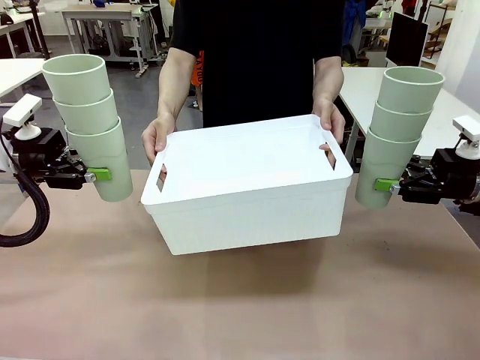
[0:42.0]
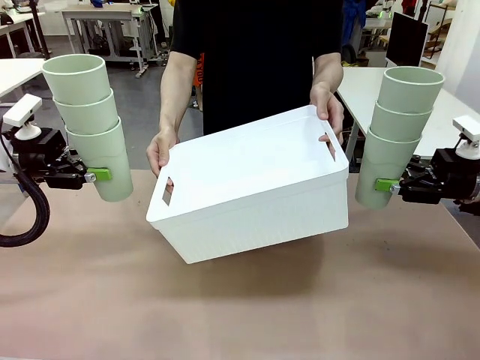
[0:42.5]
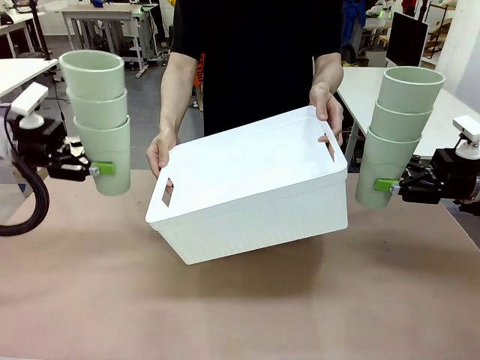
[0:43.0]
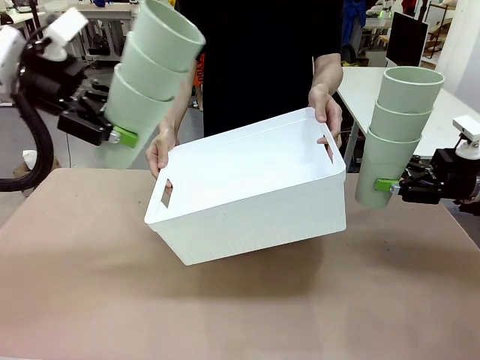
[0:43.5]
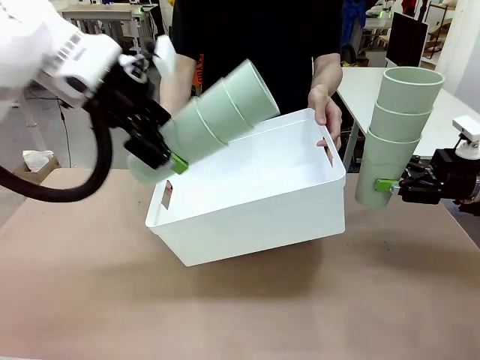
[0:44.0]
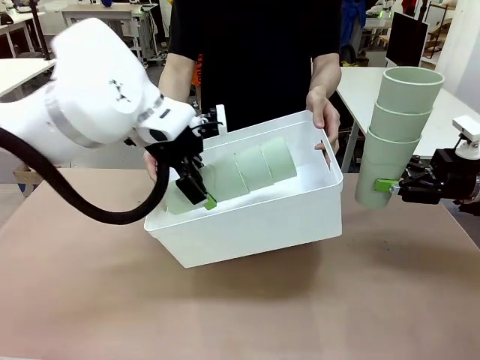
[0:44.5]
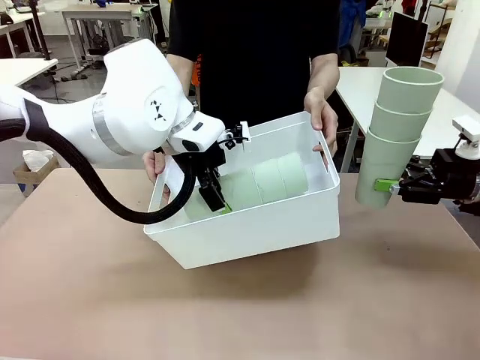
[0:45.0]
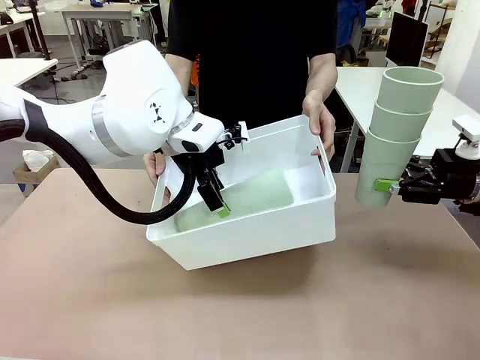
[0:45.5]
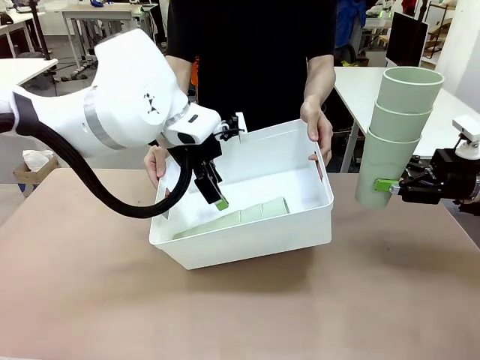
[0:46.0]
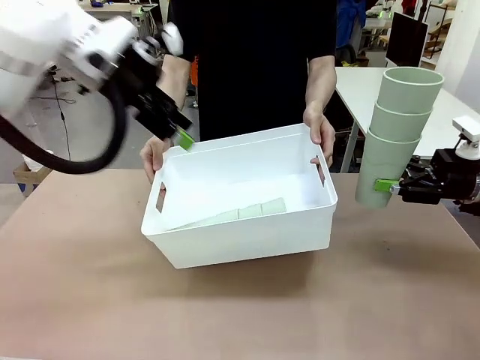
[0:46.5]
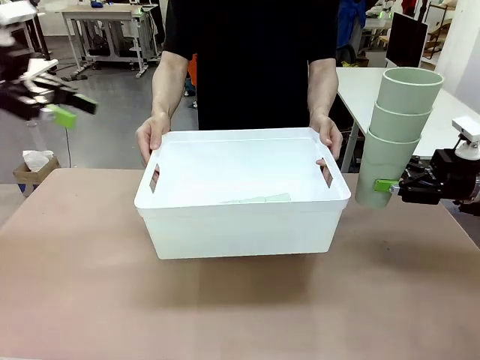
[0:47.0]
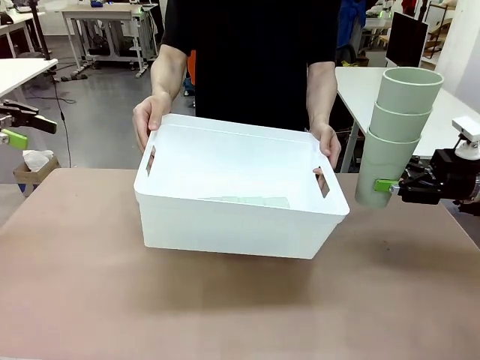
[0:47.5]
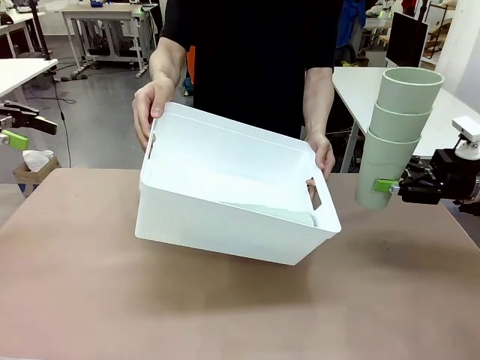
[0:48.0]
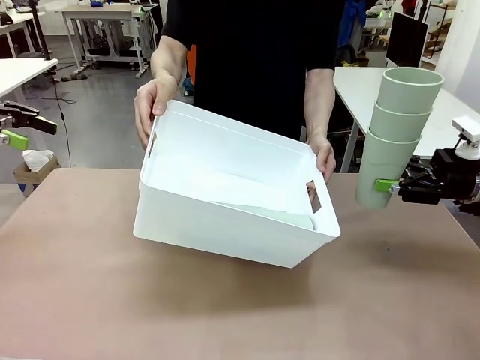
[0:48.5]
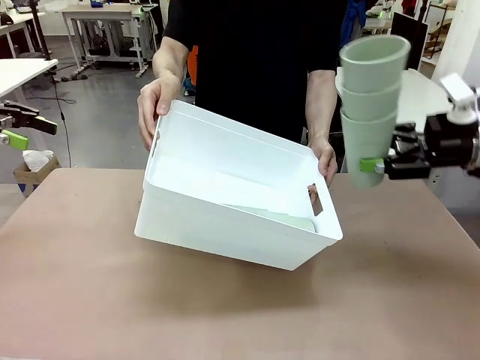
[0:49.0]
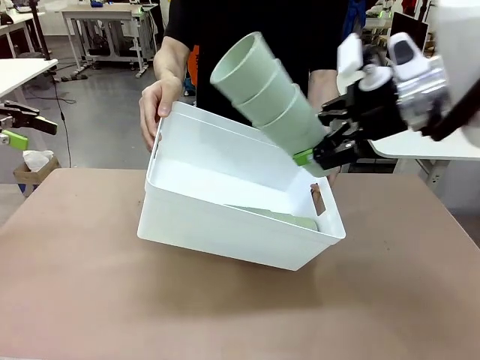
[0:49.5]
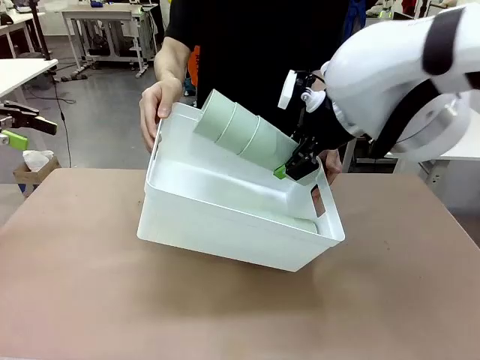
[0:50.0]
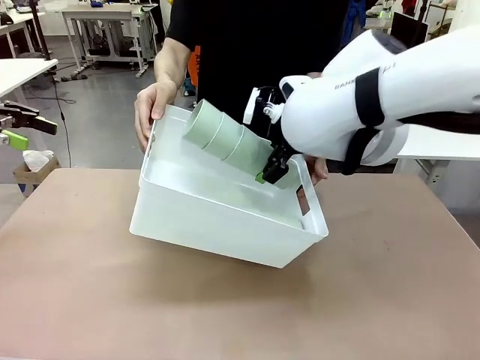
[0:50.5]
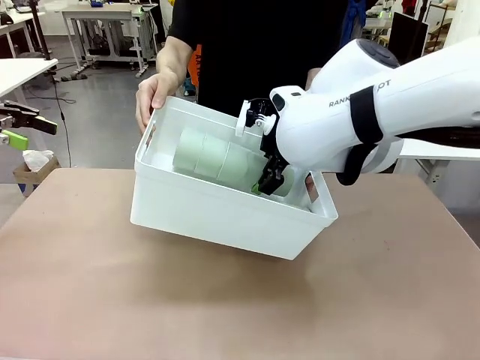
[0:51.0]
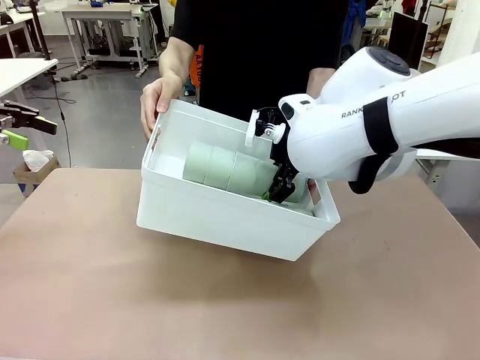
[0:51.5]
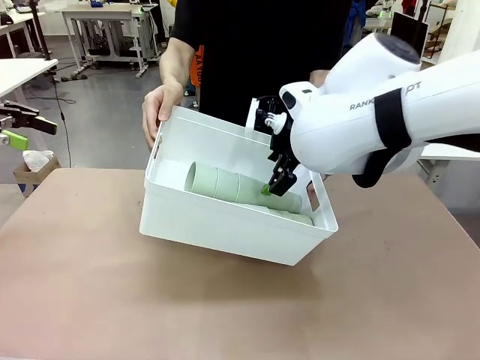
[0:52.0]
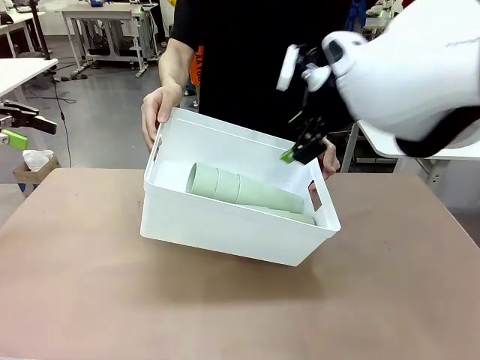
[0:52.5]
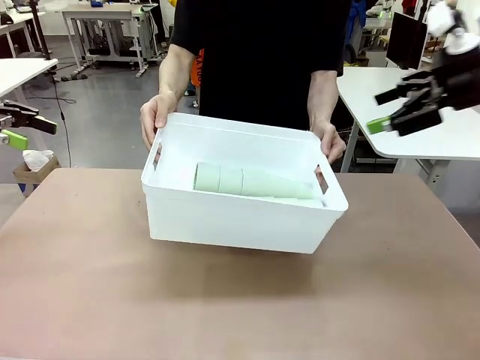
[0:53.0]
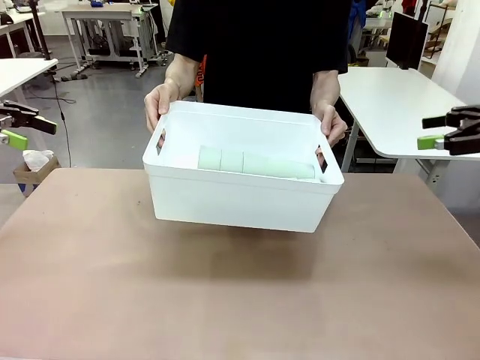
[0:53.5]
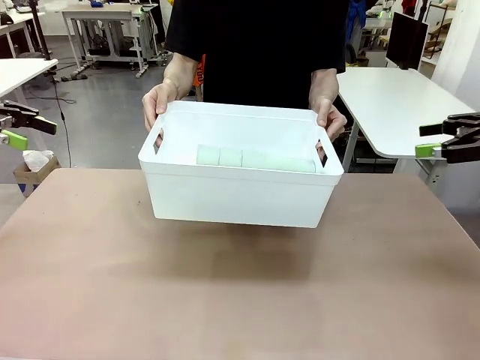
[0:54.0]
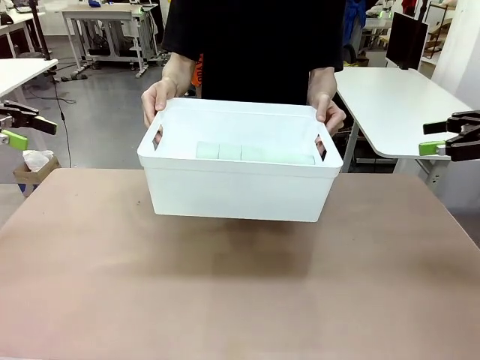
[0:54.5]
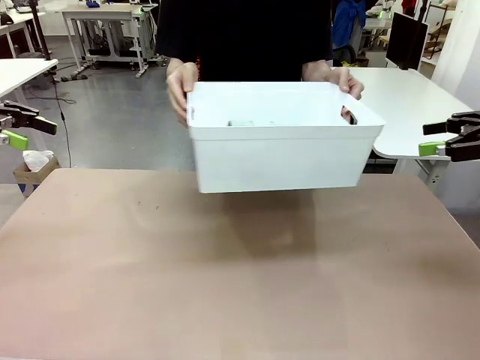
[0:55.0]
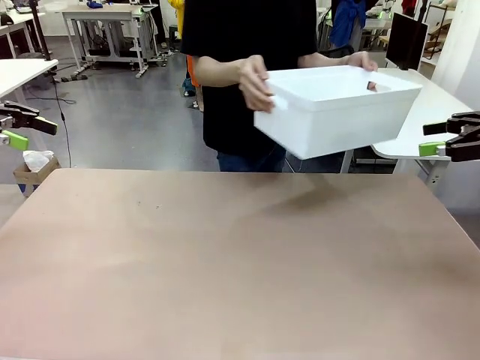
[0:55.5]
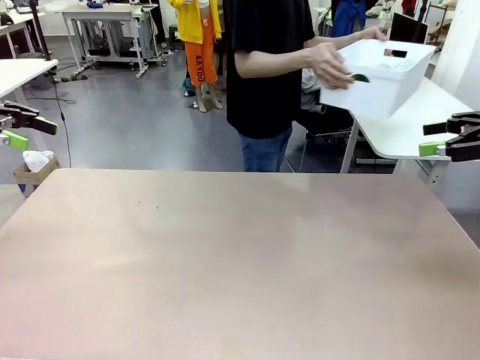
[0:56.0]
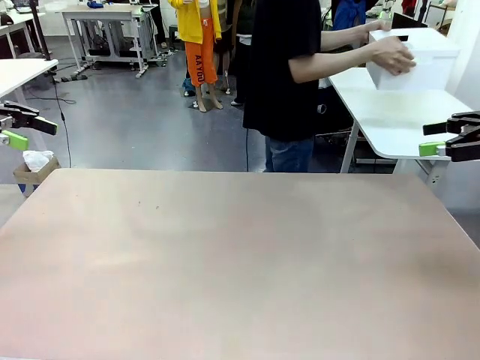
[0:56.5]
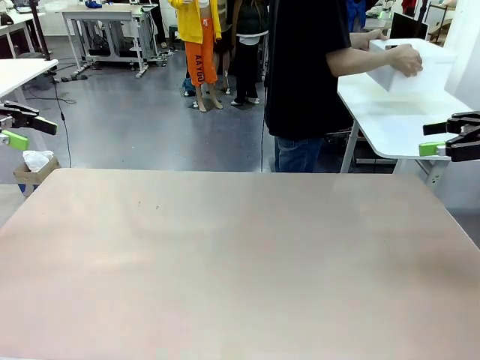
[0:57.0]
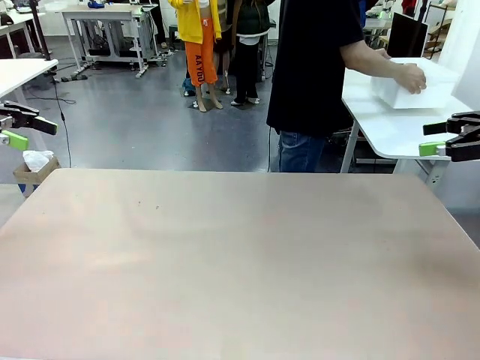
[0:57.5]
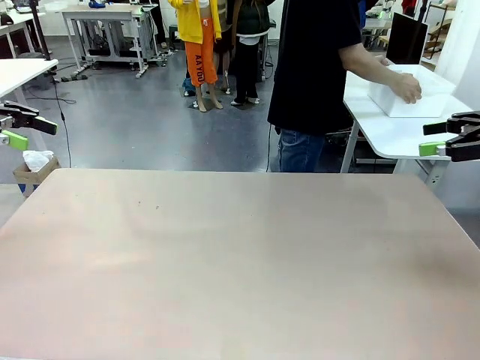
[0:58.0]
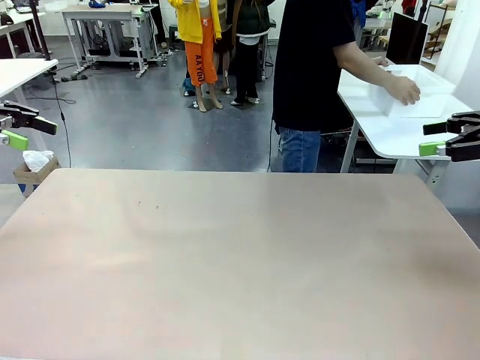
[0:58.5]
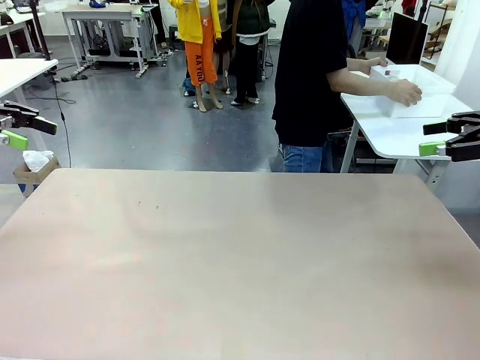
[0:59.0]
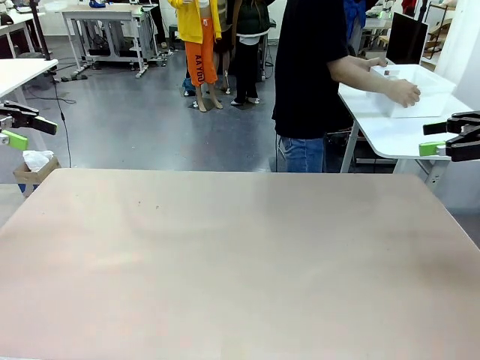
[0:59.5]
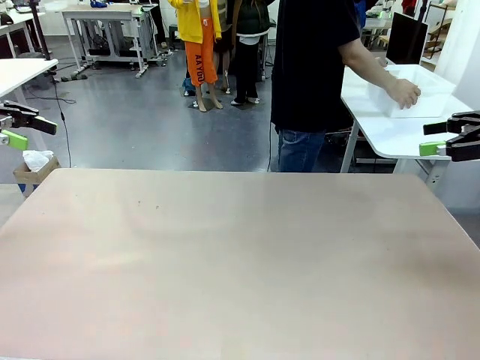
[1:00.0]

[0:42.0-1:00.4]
Task: Stack the cups and store them in the basket.
Robot: Place the stack of Reusable plastic cups into the Pantry Basket.
Person: Place the basket containing the cups in the middle of the Human Table.

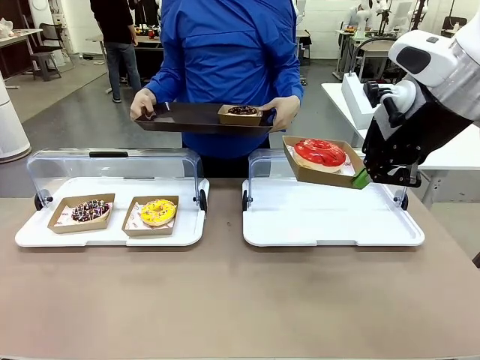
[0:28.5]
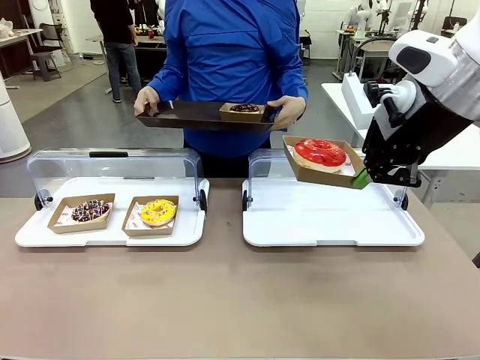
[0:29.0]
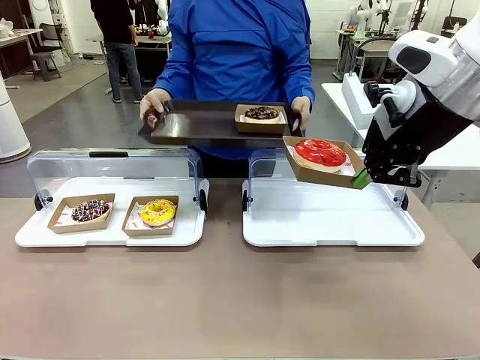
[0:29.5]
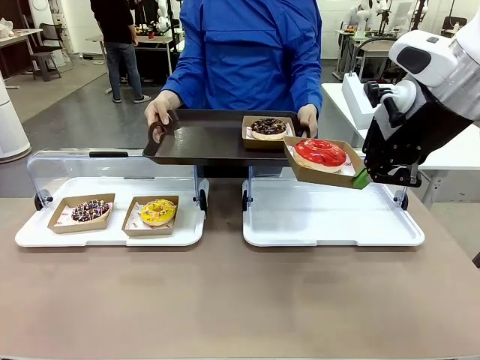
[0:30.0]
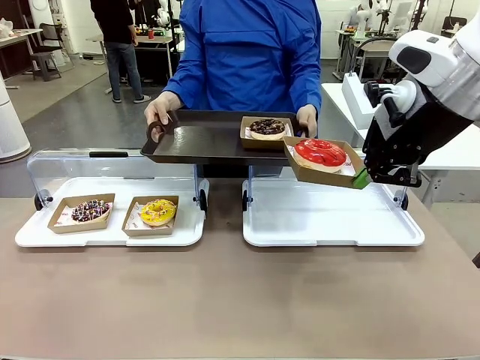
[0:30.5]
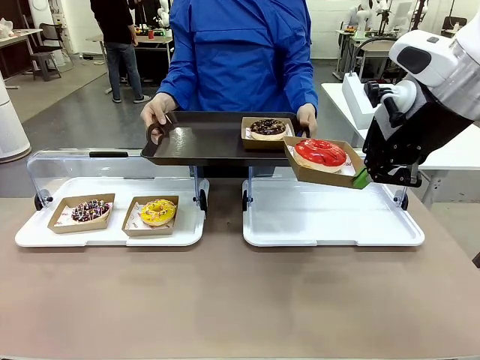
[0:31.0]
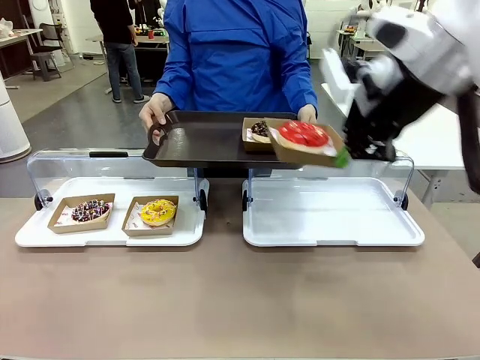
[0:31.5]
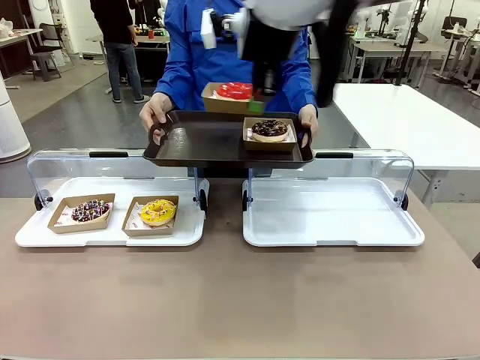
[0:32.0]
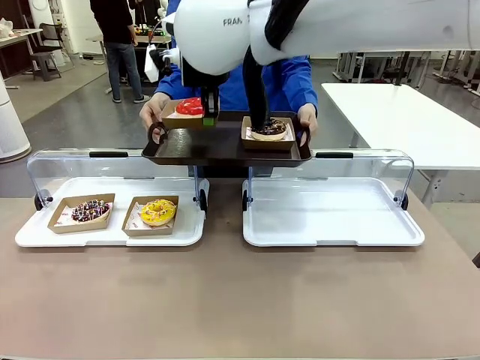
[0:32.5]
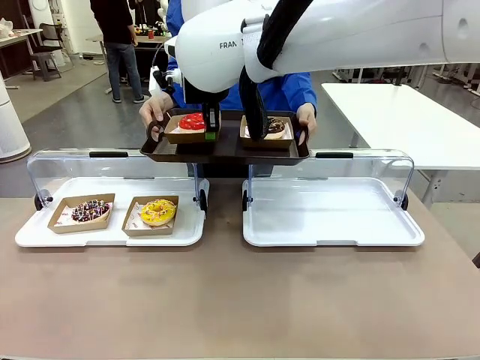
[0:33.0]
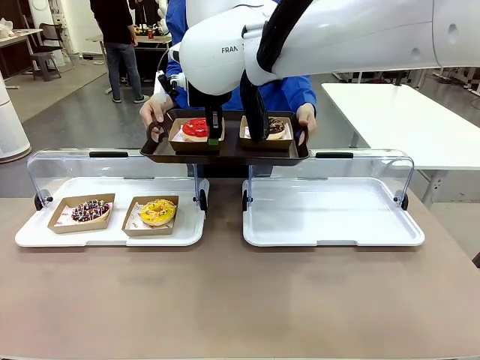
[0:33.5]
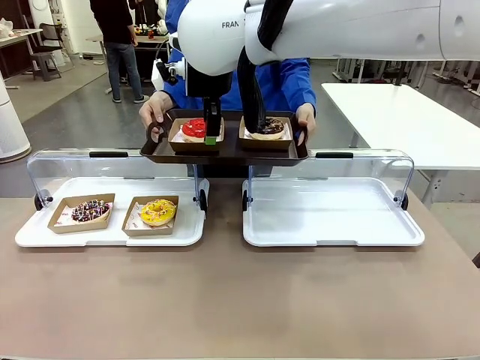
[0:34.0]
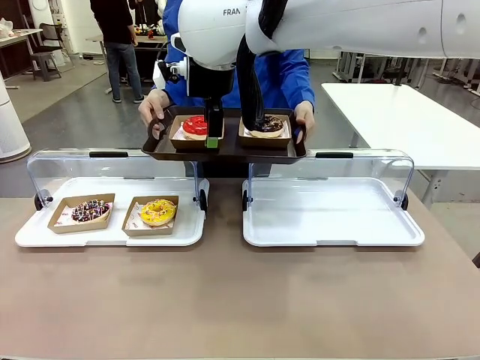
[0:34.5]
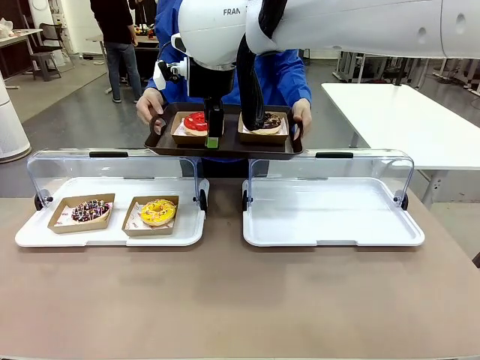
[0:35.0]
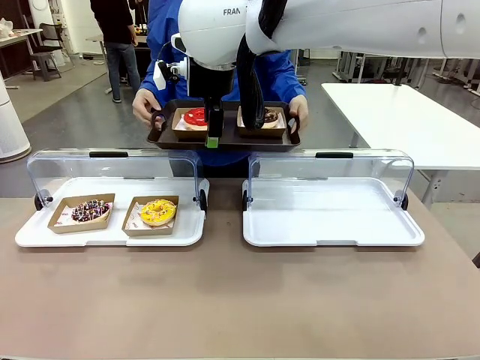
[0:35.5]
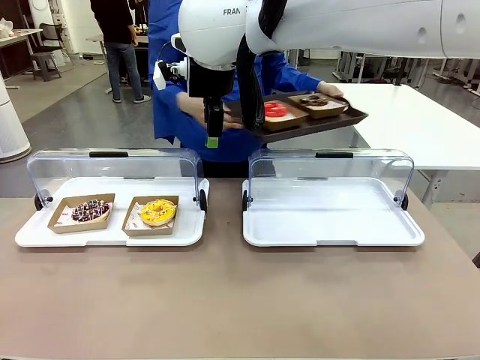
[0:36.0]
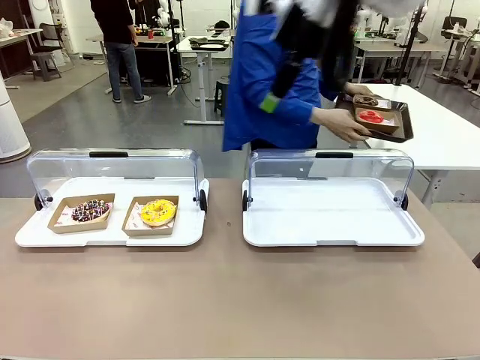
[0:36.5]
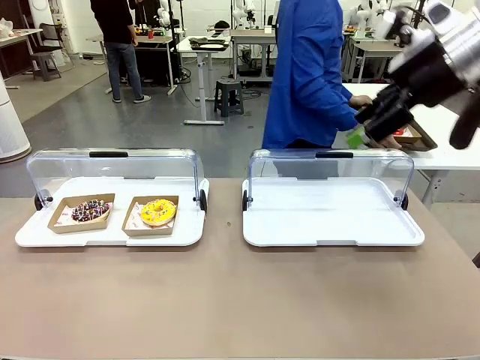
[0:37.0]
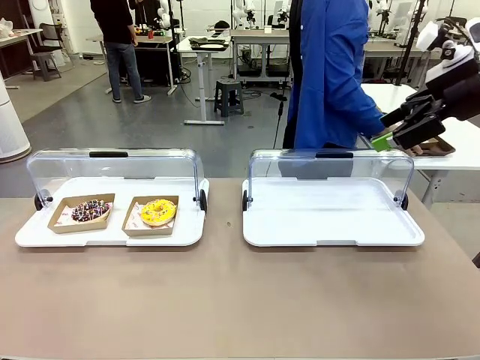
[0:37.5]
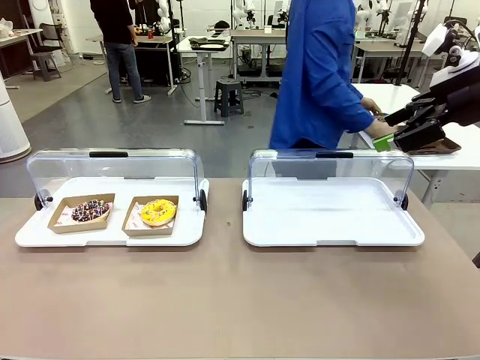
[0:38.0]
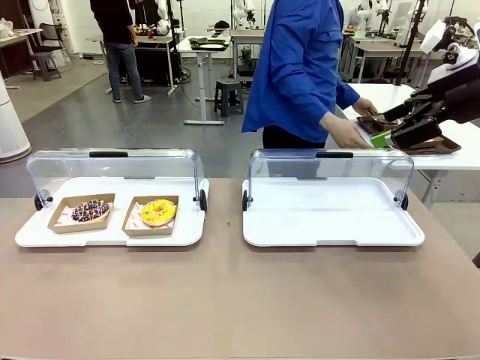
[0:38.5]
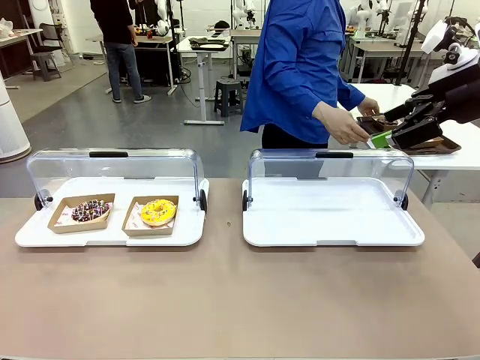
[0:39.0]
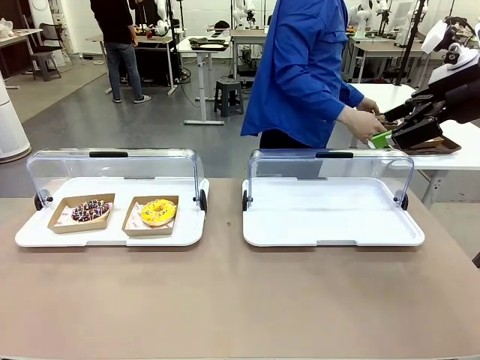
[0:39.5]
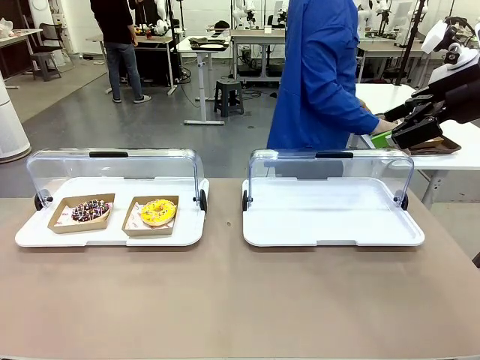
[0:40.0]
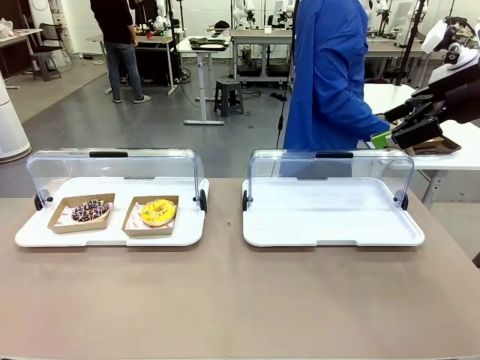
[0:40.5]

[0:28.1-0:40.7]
Task: Provide the desired donut to the person.
Robot: Place the picked Paper togo box onto the Handle tray extended by the person.
Person: Place the tray in the middle of the human table.
